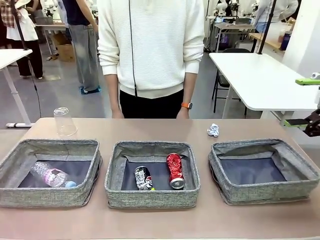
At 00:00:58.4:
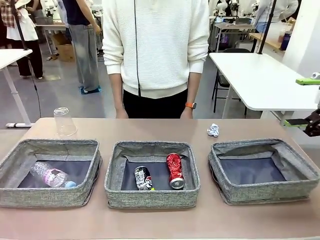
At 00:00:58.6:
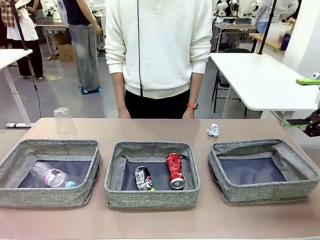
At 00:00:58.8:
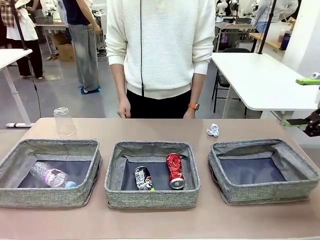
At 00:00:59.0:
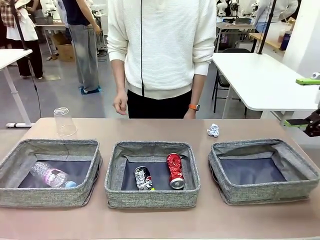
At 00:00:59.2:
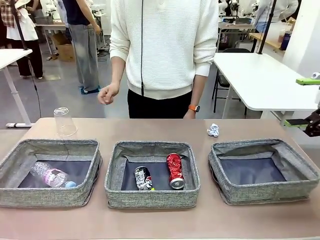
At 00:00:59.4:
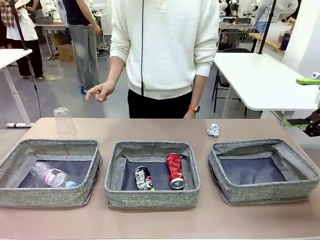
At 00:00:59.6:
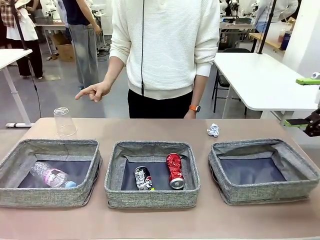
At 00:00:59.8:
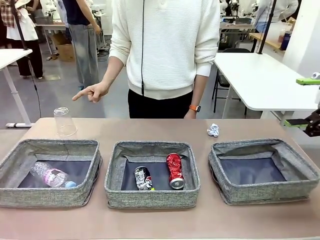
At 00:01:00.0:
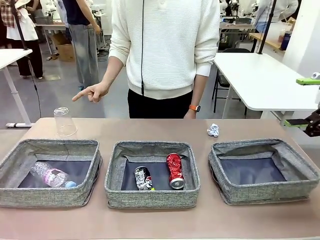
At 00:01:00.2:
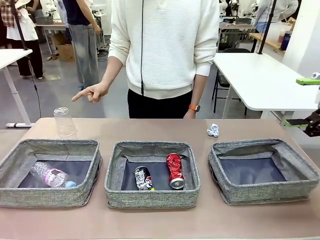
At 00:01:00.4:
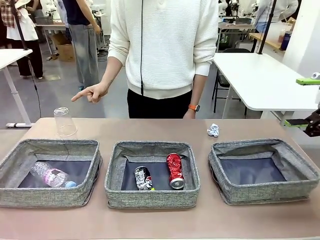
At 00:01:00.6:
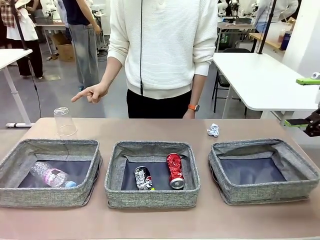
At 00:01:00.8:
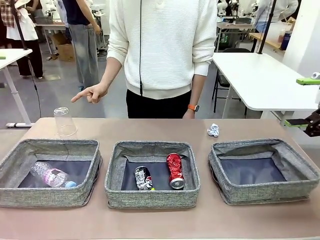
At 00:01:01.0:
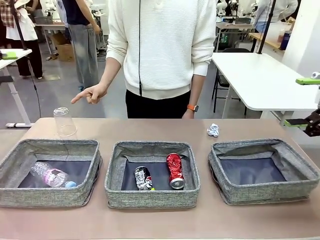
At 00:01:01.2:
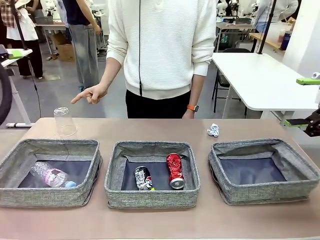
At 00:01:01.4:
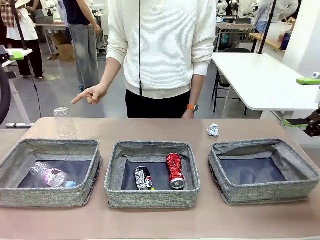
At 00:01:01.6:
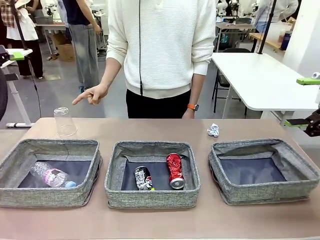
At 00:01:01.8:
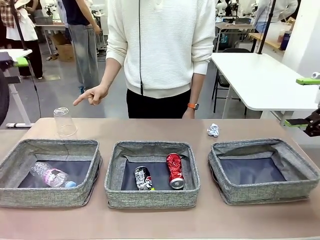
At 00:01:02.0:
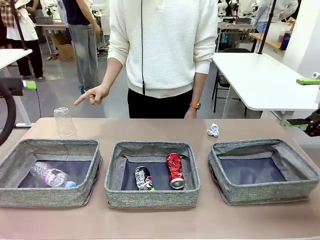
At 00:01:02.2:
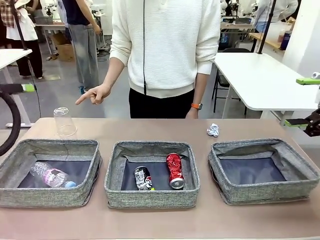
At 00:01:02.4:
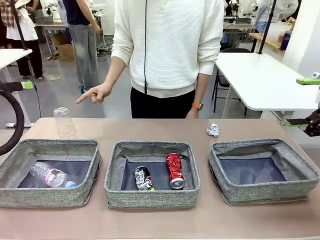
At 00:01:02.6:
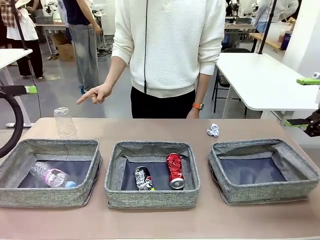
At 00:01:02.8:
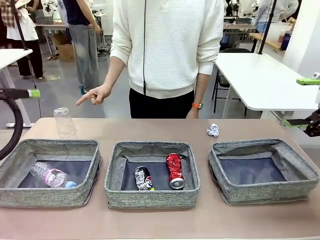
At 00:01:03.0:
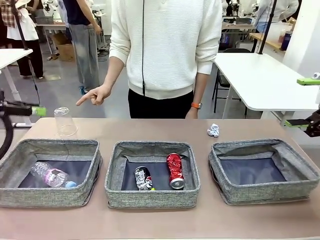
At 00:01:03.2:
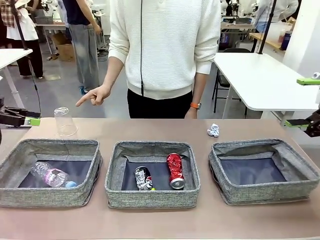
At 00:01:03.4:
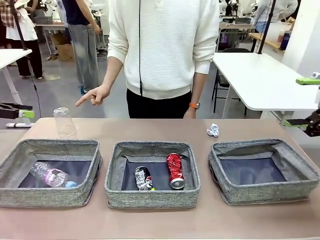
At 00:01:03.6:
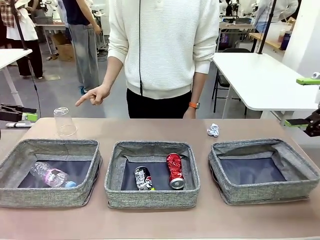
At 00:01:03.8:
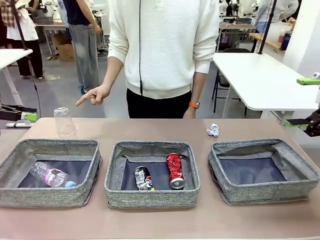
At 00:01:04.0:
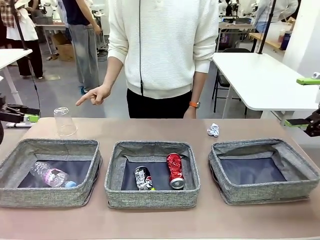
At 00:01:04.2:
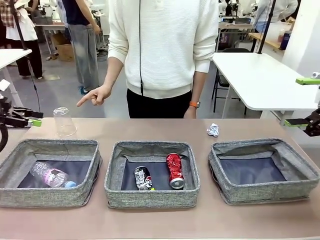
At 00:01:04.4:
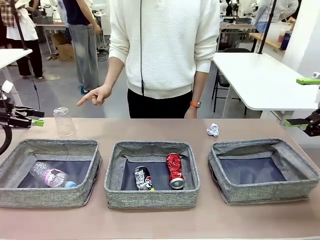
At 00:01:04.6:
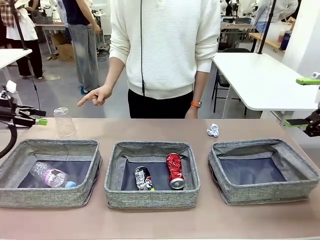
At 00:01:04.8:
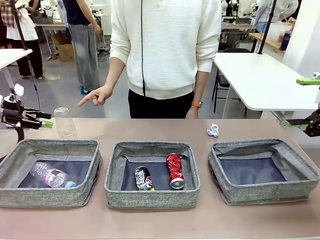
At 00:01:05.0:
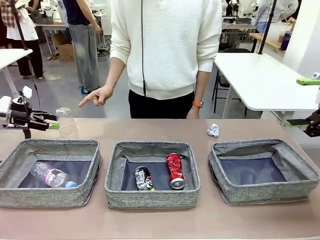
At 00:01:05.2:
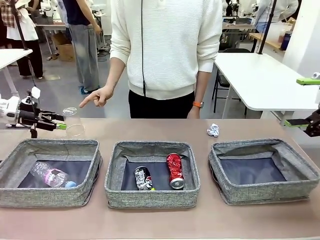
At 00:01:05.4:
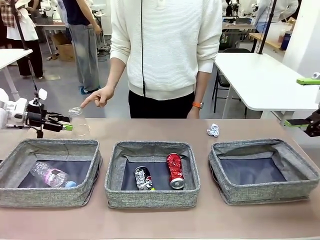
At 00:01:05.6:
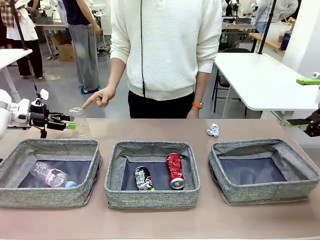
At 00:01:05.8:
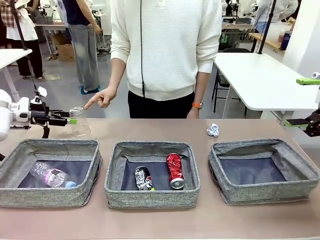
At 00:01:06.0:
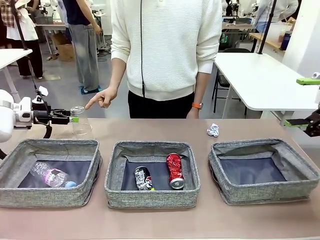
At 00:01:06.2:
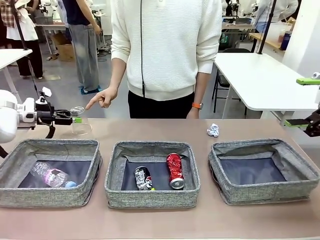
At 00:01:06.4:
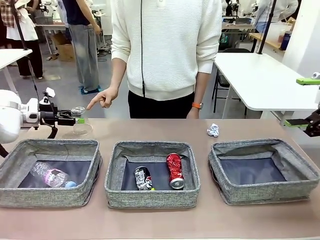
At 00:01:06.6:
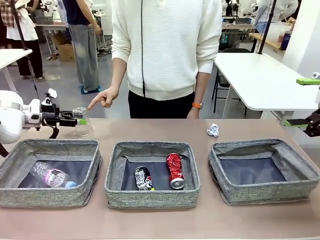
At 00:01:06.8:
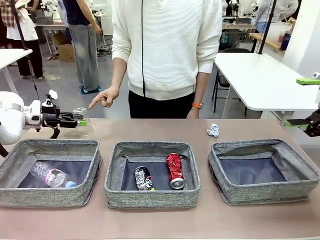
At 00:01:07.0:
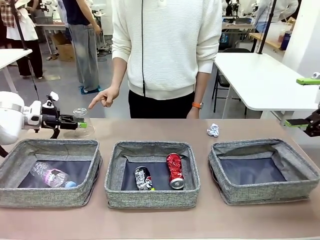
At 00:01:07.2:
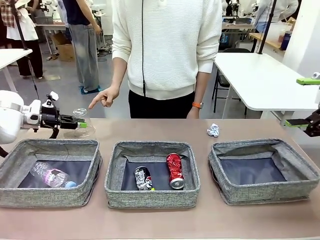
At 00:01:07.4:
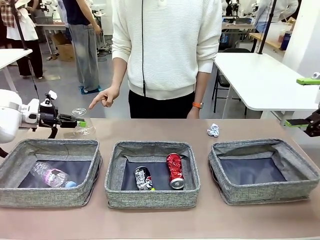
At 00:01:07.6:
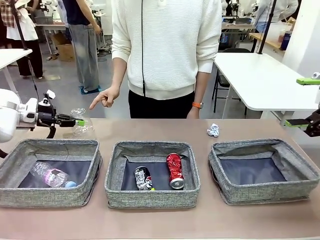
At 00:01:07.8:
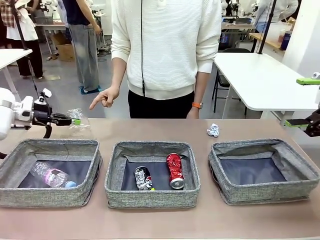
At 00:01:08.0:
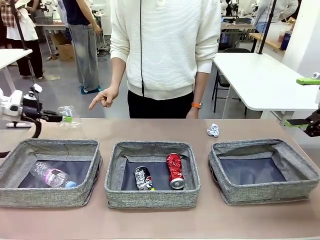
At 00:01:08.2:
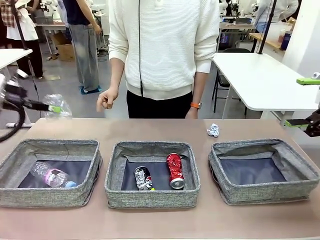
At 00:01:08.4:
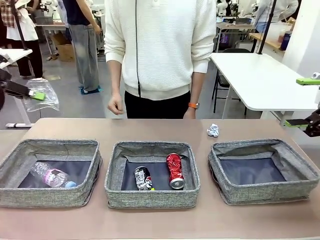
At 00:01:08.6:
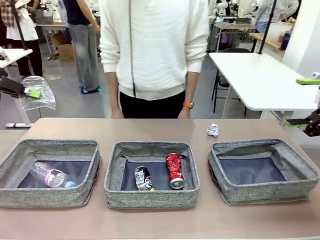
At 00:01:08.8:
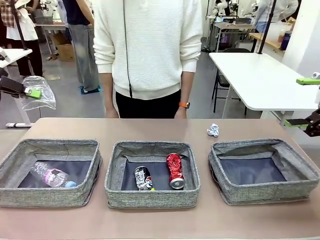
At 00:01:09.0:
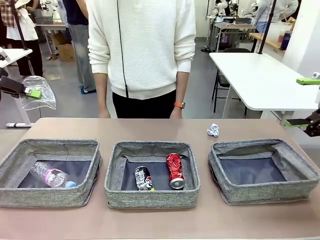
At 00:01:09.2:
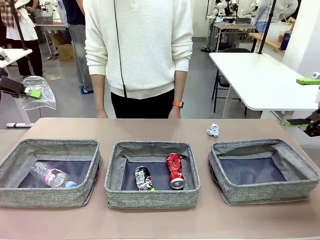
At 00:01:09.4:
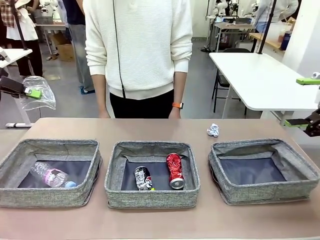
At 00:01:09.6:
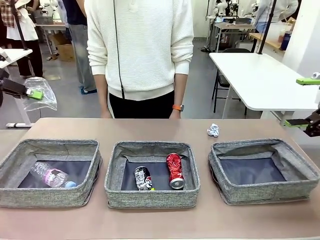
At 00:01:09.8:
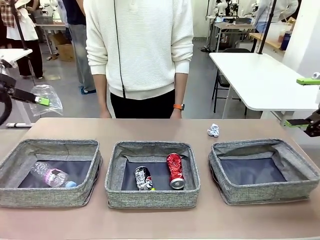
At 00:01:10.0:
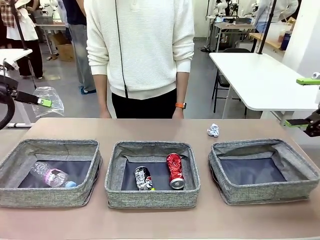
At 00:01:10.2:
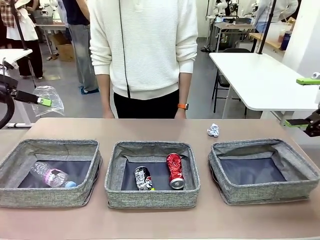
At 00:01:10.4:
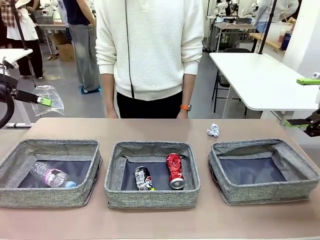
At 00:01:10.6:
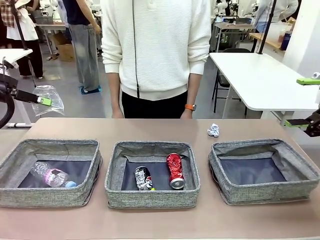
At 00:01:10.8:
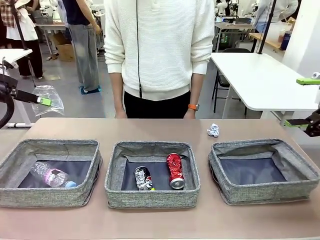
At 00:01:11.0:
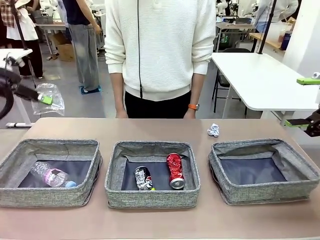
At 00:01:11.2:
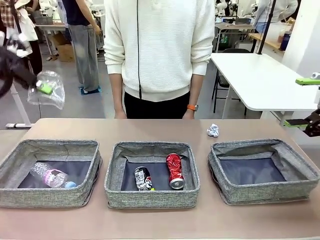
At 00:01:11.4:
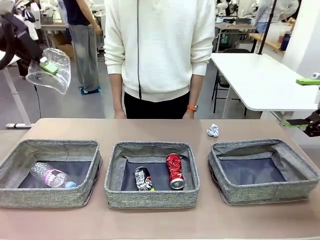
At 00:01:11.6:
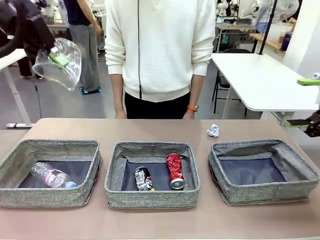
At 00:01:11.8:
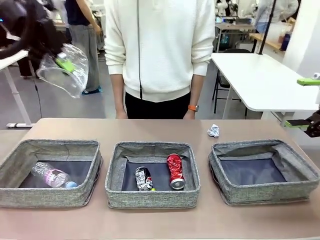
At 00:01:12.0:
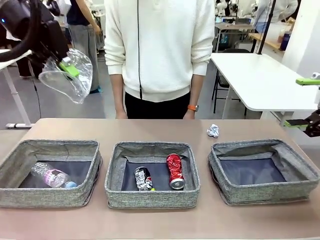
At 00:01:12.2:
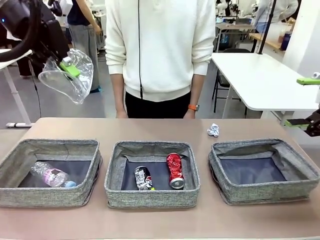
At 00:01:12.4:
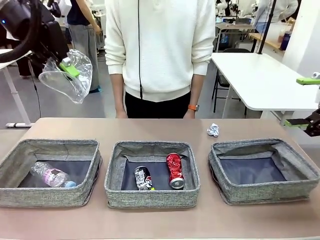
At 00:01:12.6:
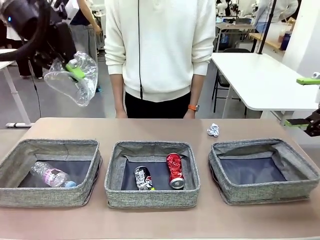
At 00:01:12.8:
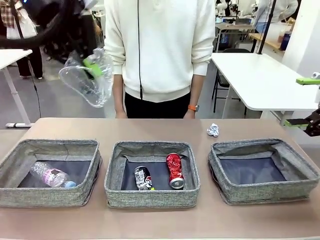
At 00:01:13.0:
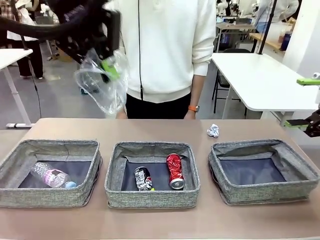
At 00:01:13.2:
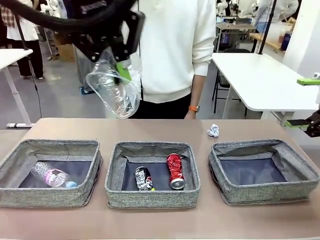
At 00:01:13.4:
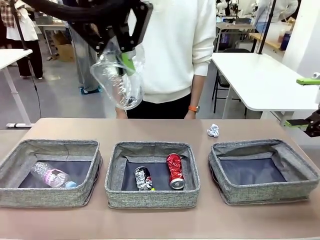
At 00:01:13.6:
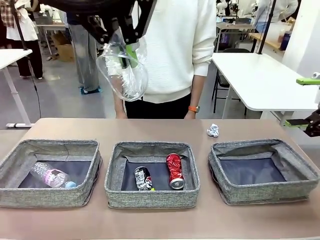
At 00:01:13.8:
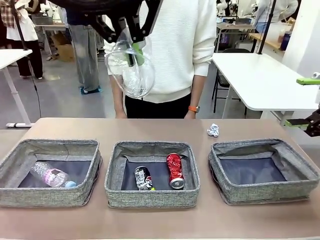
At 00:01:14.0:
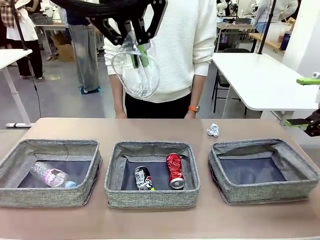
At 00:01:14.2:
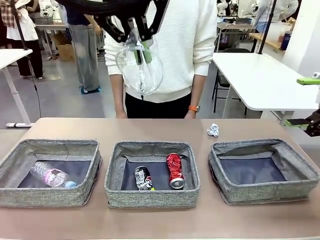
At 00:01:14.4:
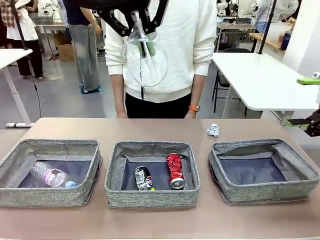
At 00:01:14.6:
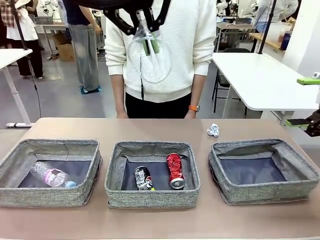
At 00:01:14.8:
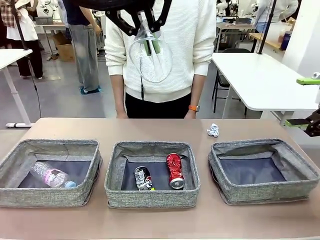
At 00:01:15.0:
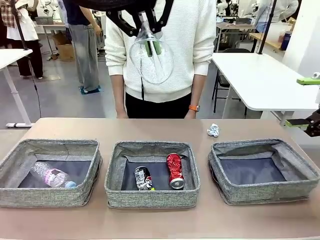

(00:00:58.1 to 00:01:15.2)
Task: Sort the waste into the appropriate baskets.
Robot: Pick up the waste item pointed out by the person.
Person: Points to one piece of trash on the table. Instructs the robot to place the picked-up trash into the appropriate organizing basket.

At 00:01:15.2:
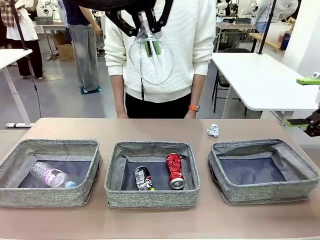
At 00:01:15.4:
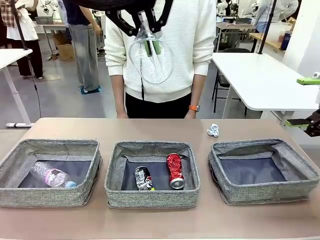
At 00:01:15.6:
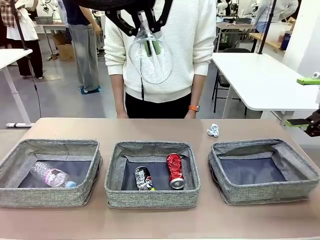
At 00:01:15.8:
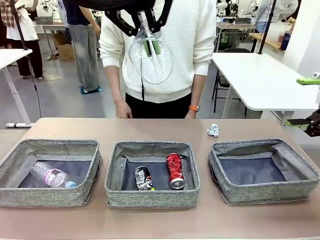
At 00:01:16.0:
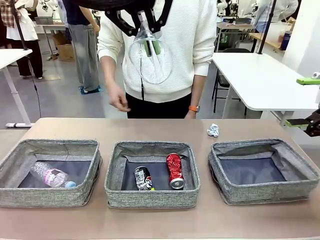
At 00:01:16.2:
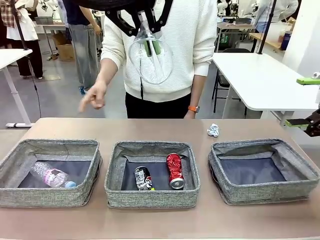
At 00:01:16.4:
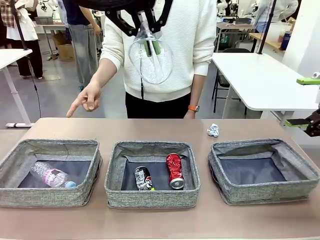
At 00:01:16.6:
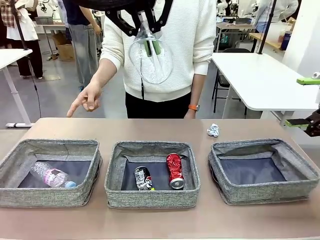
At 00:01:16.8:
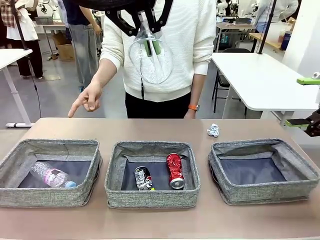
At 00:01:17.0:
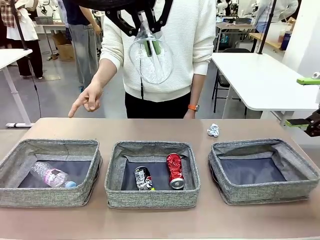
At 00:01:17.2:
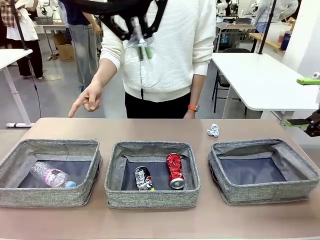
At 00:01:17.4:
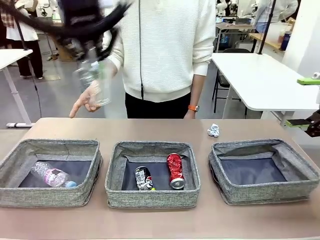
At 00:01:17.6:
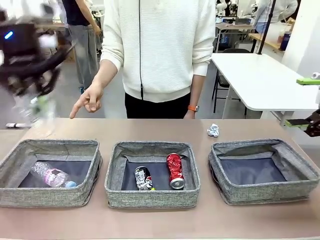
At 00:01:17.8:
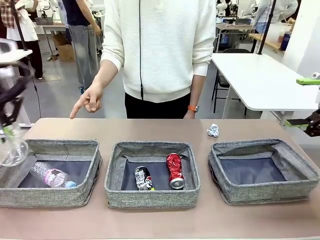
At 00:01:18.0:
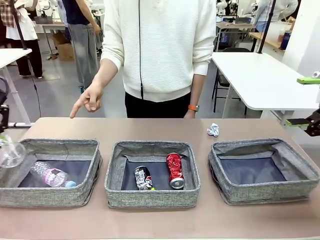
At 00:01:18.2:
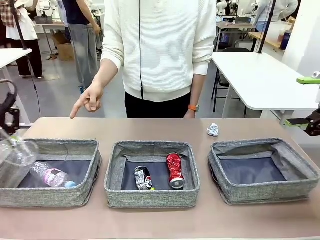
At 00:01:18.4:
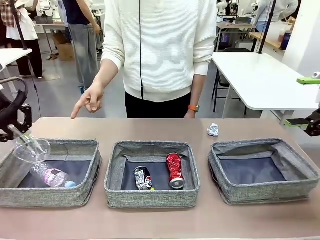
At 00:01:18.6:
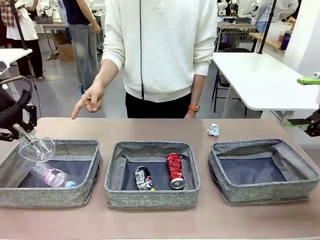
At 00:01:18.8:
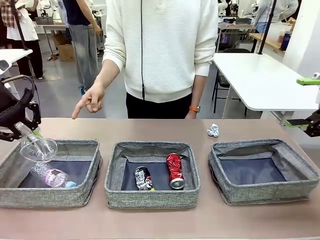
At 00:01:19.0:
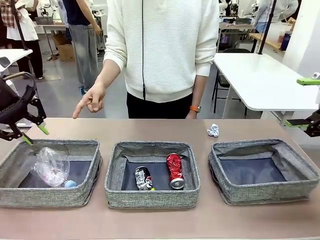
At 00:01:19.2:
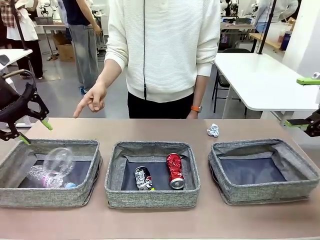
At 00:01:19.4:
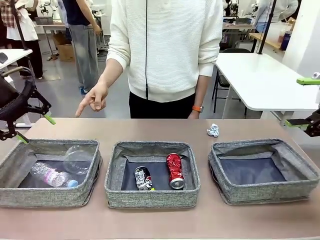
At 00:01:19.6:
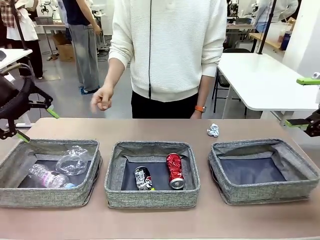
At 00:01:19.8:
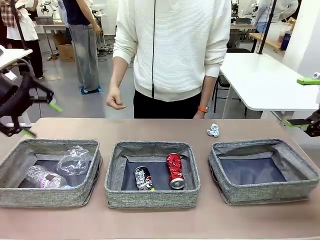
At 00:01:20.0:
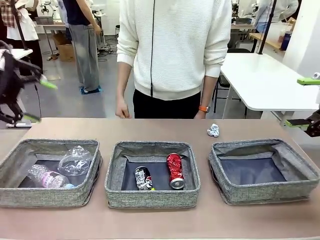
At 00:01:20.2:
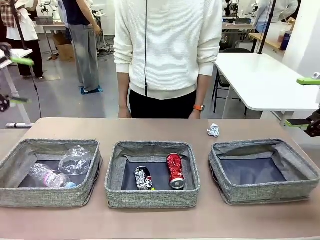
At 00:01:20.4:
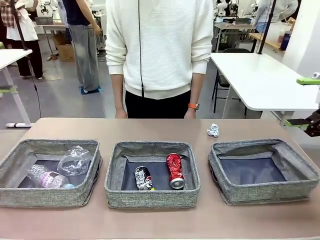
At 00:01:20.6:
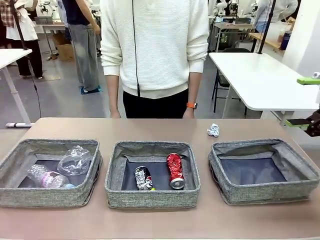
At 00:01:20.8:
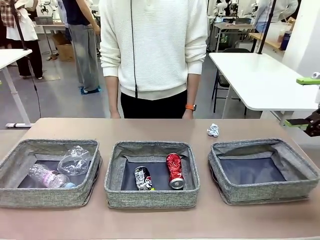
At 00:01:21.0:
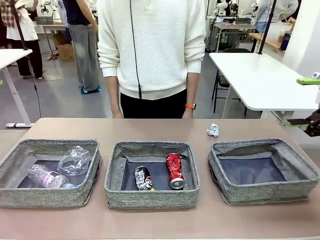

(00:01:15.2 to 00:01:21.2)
Robot: Place the picked waste into the Fabric basket indicated by the person.
